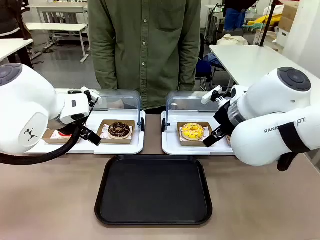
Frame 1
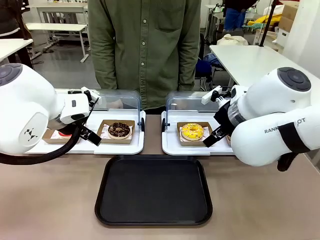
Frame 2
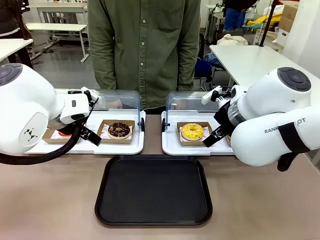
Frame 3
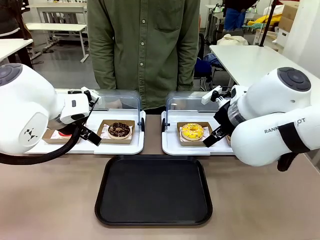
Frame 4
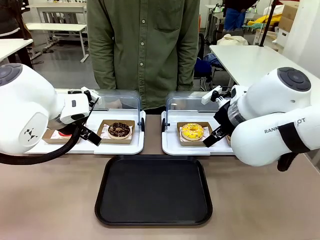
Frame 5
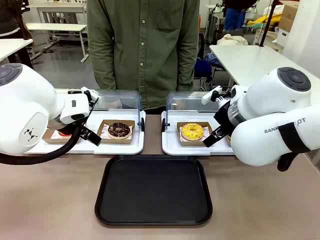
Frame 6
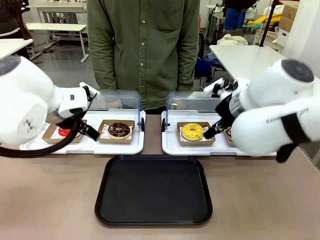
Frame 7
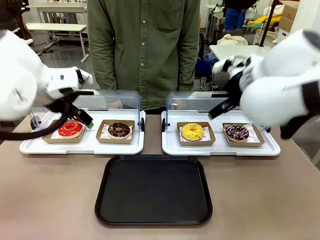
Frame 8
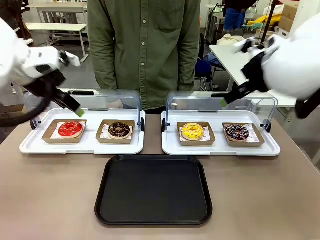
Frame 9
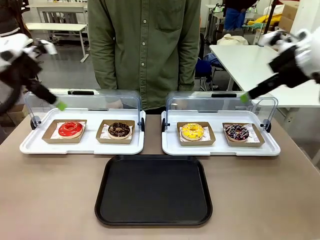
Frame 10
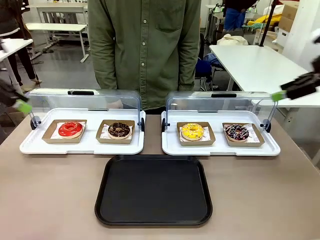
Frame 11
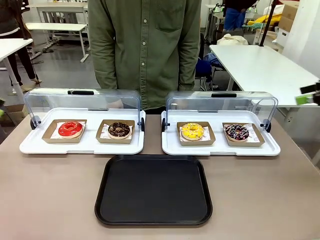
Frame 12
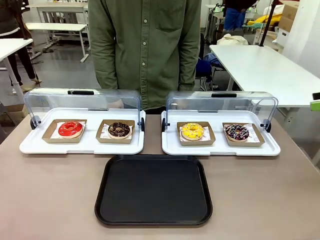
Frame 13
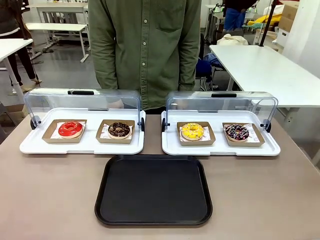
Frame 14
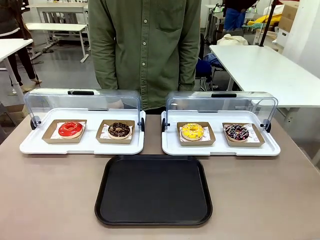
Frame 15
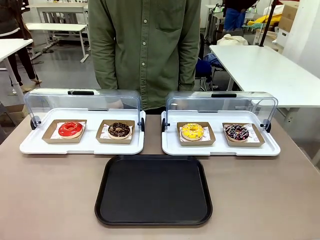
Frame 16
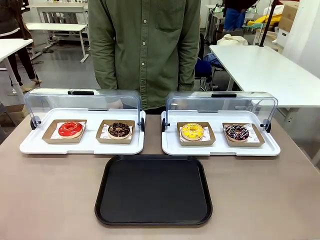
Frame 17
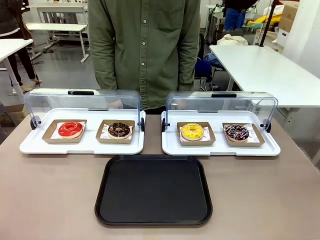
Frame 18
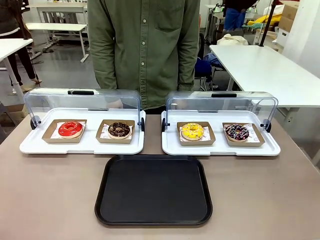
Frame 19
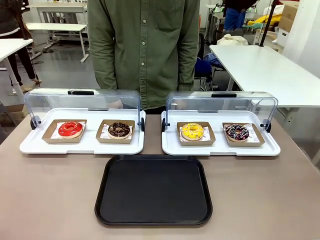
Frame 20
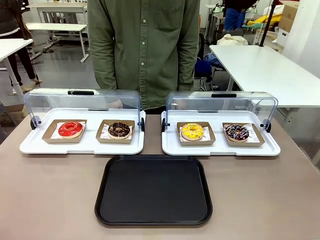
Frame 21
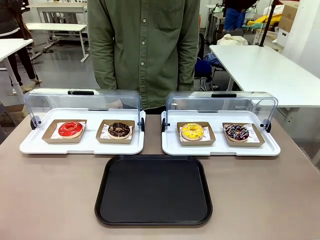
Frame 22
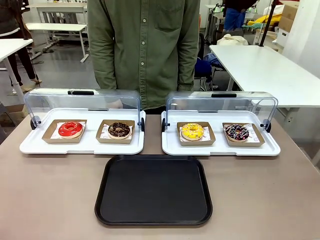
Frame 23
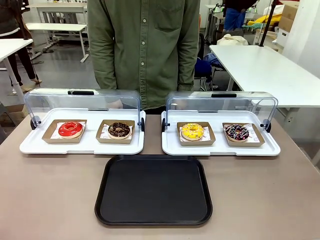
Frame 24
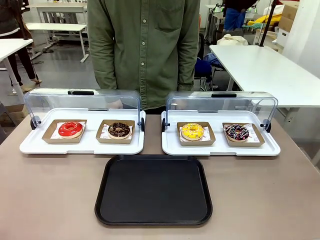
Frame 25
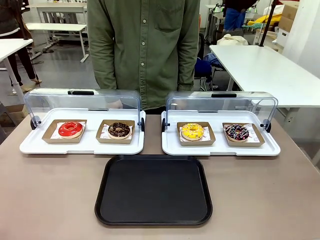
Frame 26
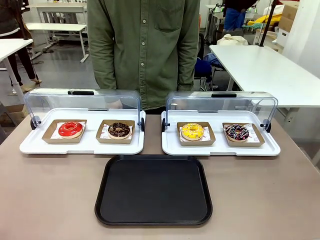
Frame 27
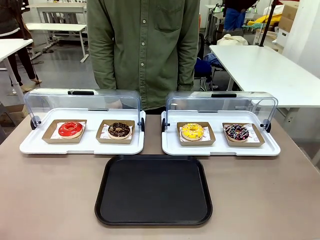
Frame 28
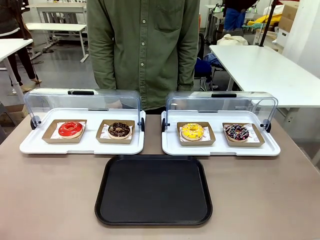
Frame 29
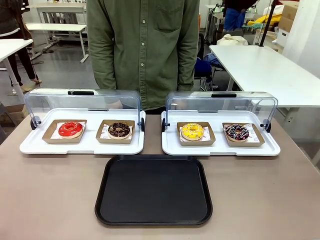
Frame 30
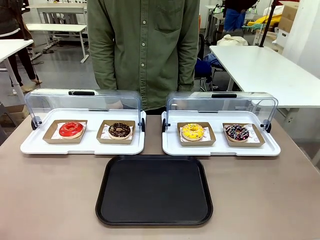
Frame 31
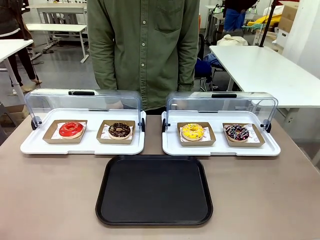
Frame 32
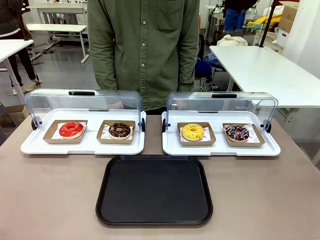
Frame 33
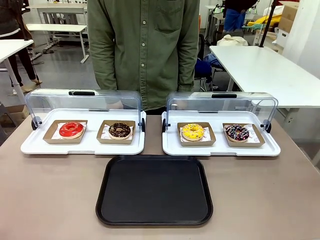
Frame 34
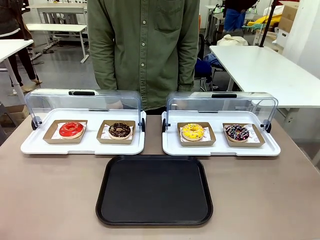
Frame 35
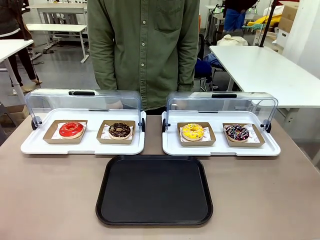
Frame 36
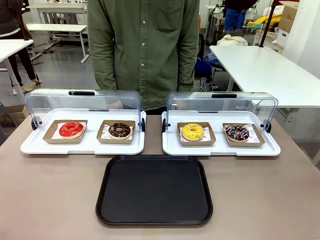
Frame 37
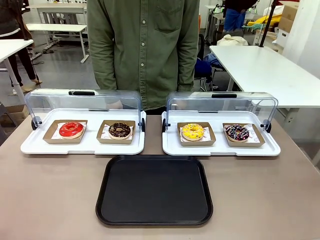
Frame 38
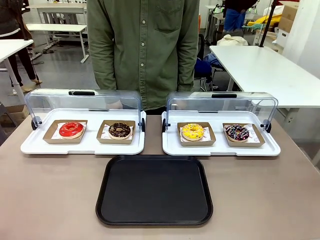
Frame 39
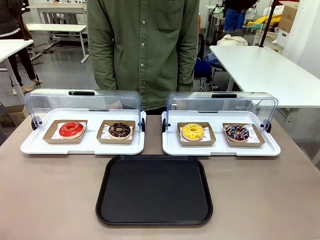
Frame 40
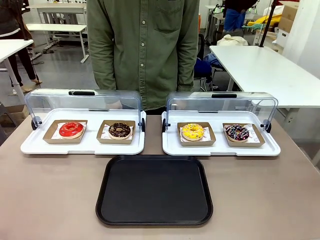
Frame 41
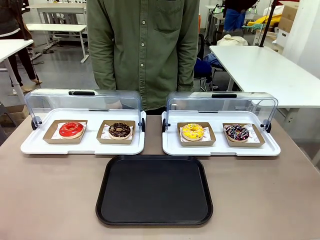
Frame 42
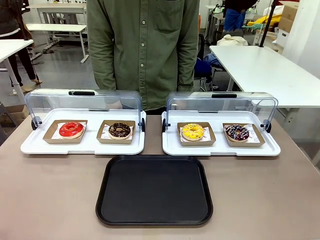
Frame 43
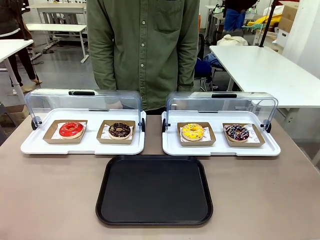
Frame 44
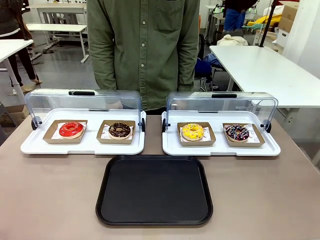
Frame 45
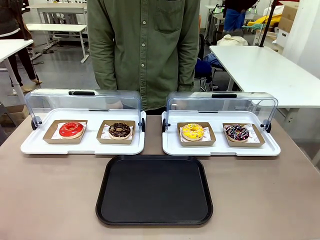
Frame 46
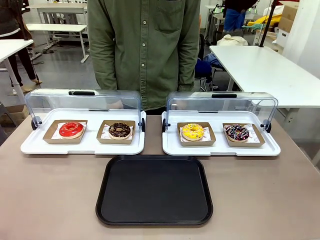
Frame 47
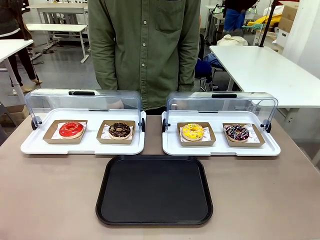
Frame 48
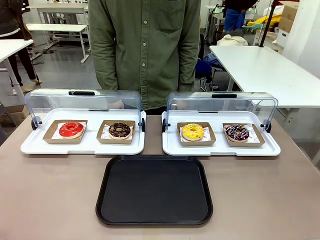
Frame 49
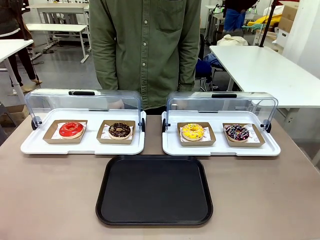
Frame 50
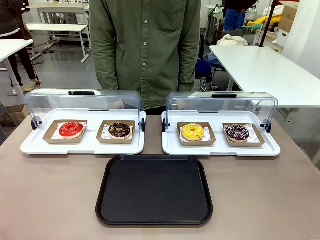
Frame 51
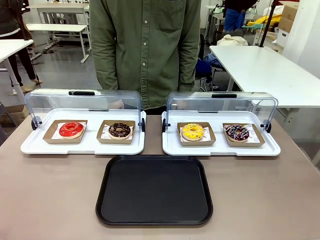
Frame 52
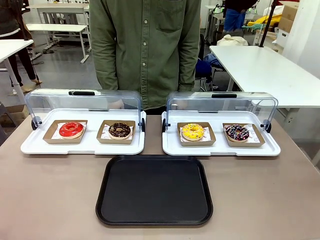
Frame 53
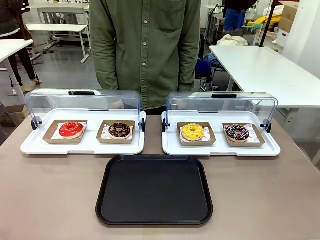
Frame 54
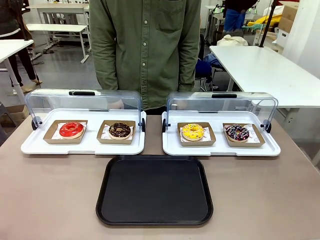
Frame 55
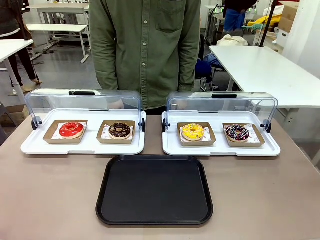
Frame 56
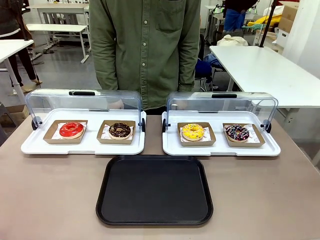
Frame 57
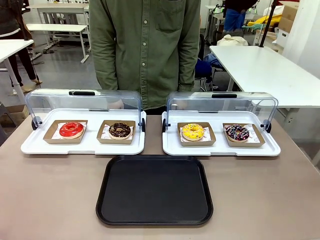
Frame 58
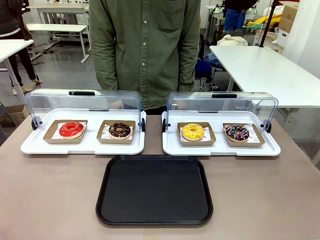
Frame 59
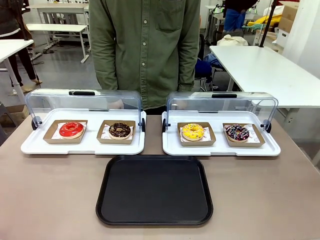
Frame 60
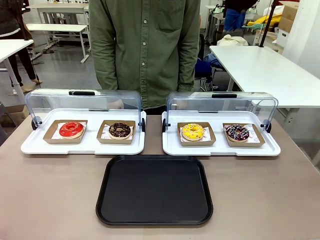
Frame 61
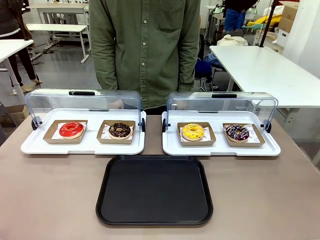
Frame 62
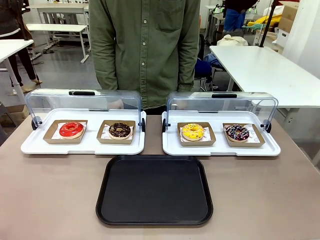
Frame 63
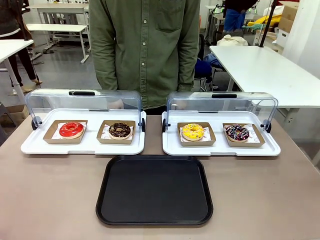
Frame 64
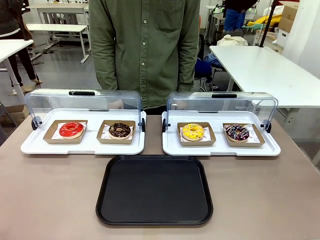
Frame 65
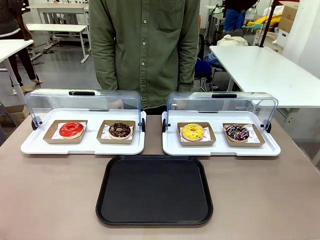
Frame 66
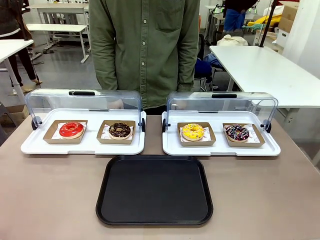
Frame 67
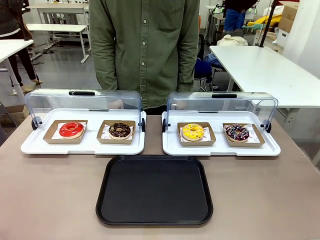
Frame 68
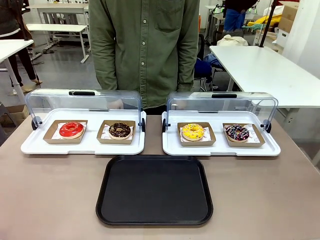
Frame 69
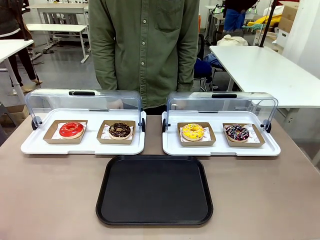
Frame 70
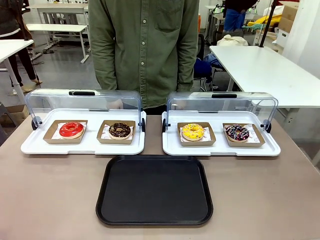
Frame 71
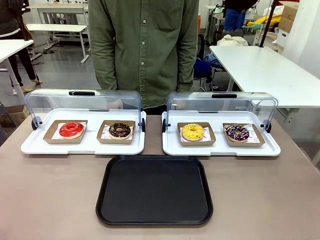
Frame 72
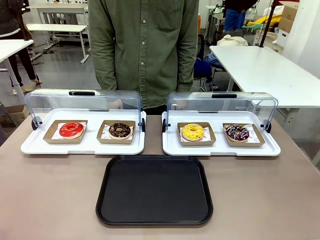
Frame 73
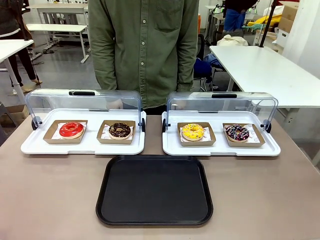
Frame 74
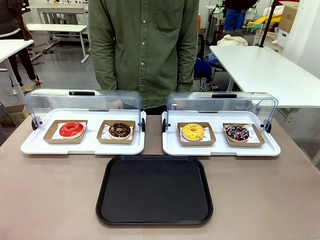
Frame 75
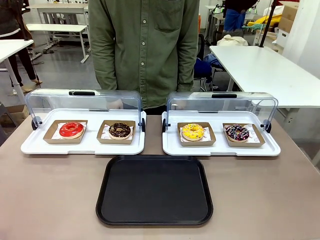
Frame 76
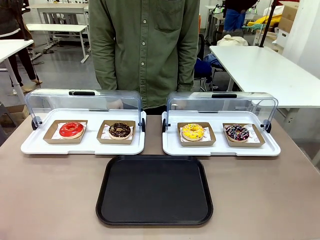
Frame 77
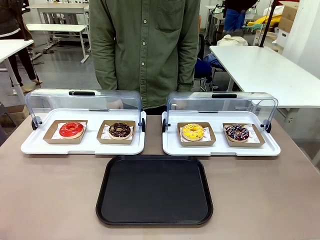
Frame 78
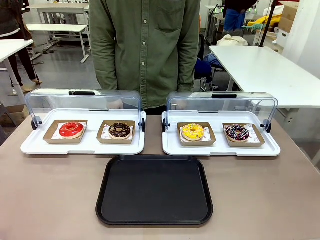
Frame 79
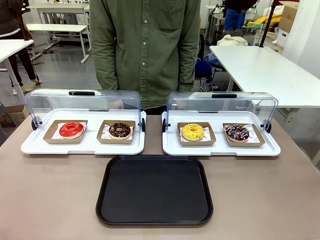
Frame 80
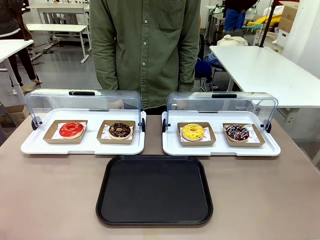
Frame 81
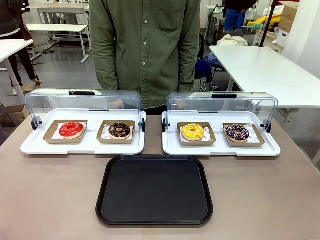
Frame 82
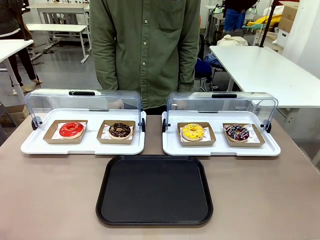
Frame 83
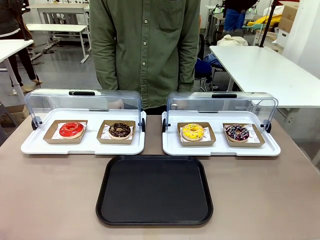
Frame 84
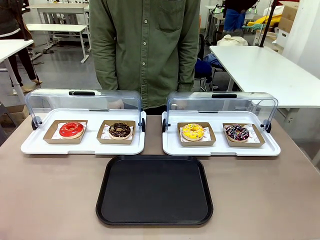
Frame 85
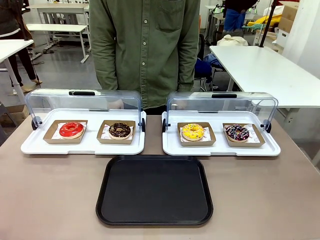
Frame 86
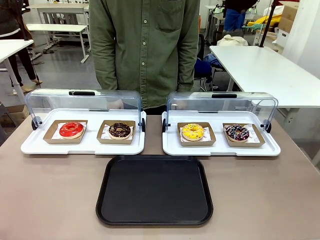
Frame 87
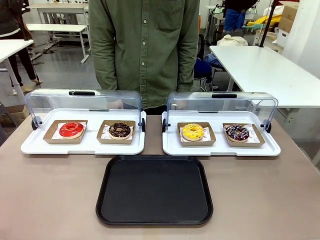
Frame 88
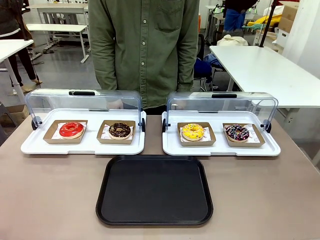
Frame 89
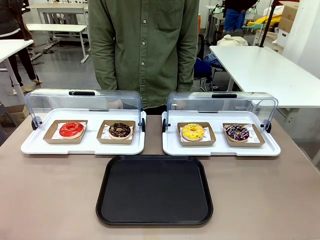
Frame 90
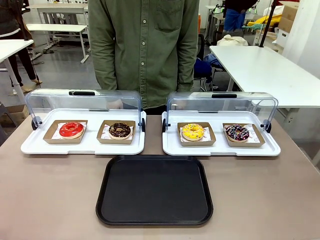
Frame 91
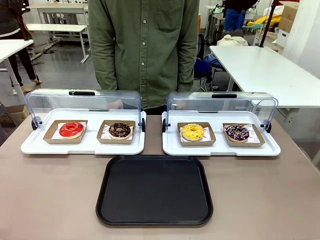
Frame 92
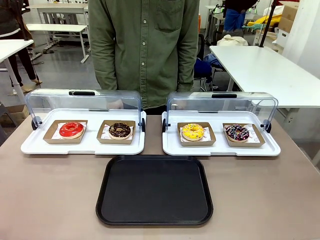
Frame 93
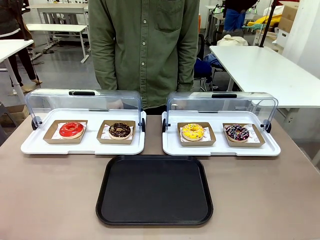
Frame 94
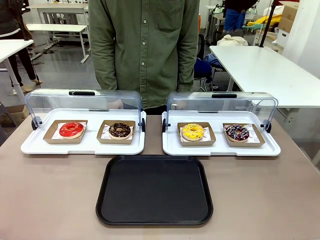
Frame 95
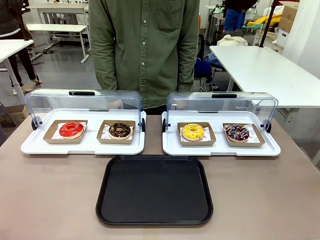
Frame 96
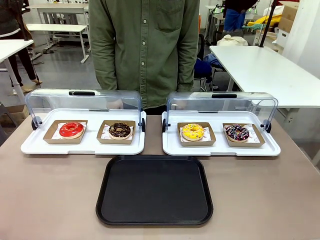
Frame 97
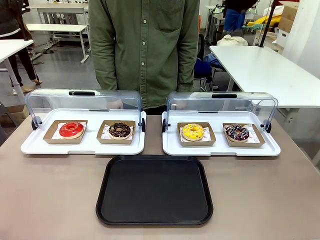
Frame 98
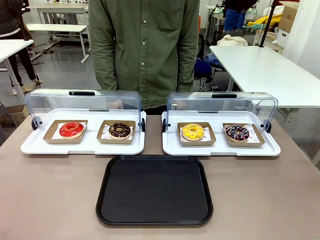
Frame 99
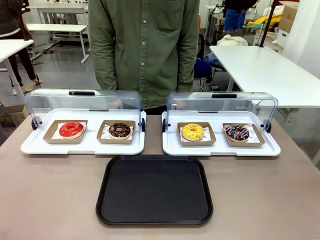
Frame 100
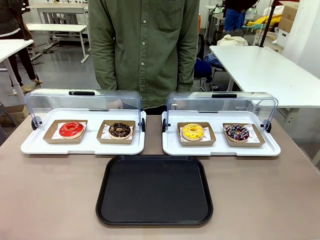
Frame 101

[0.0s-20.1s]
Task: Move the third donut from the left to the tray.
Robot: Pick up the Paper togo box containing the Donut indicated by the person and place it on the Handle tray.
